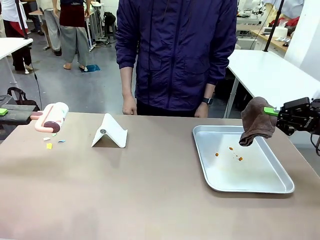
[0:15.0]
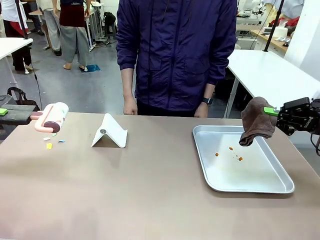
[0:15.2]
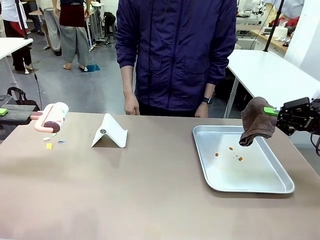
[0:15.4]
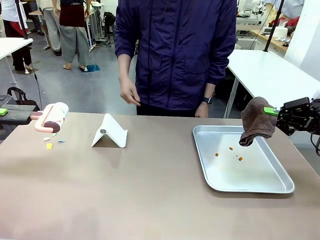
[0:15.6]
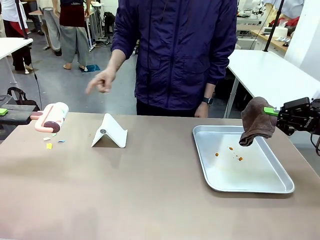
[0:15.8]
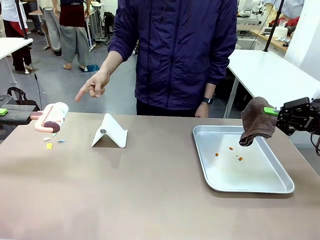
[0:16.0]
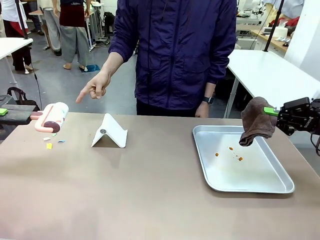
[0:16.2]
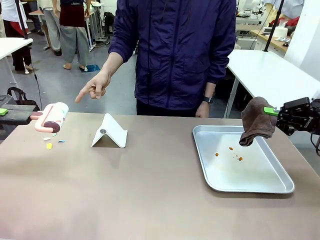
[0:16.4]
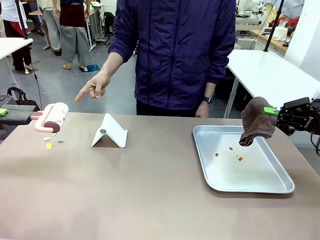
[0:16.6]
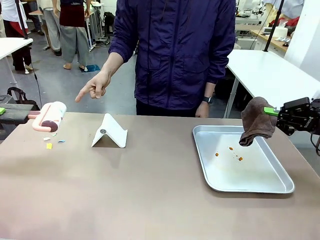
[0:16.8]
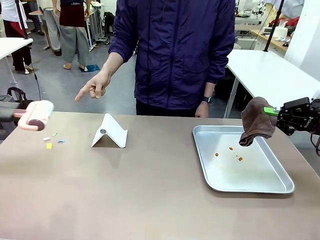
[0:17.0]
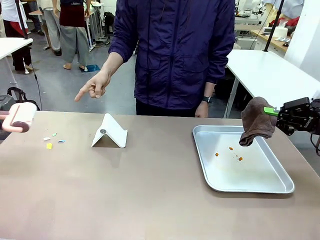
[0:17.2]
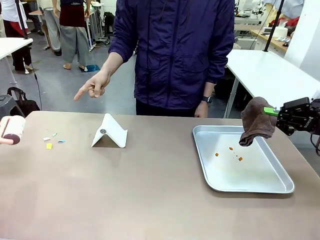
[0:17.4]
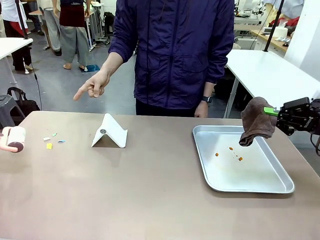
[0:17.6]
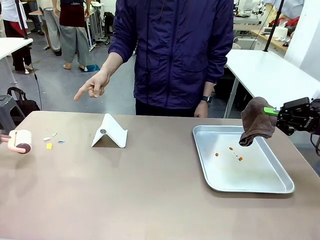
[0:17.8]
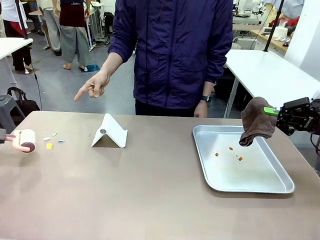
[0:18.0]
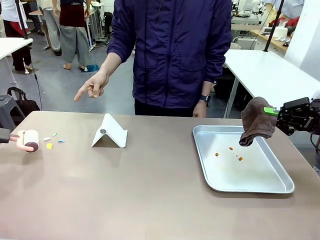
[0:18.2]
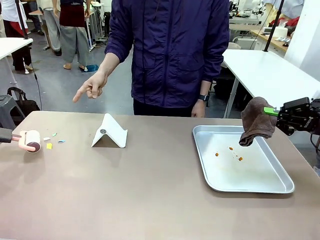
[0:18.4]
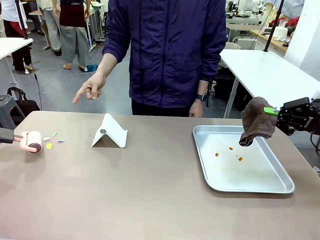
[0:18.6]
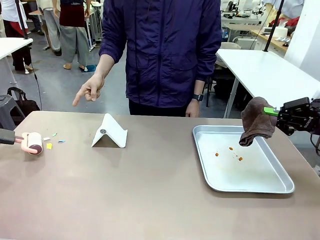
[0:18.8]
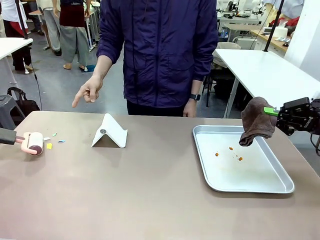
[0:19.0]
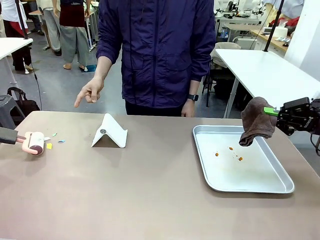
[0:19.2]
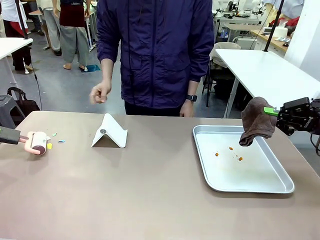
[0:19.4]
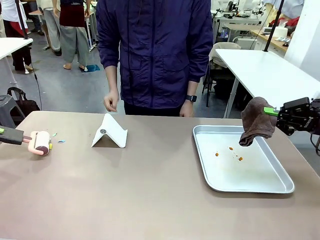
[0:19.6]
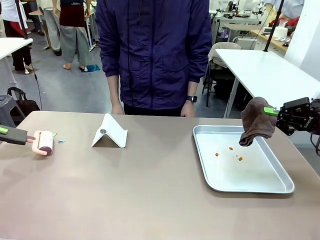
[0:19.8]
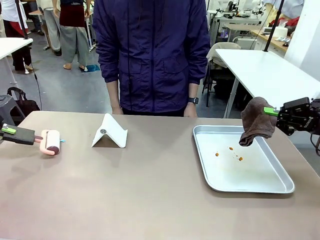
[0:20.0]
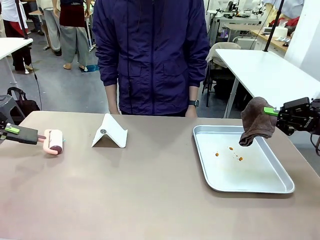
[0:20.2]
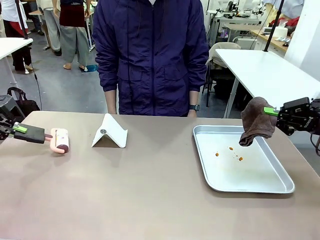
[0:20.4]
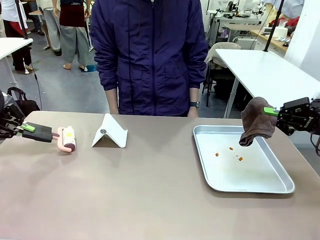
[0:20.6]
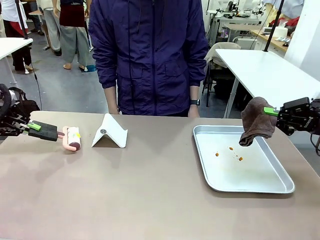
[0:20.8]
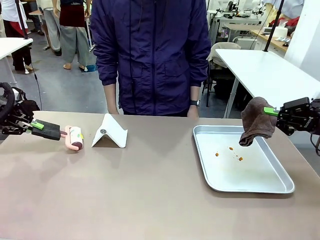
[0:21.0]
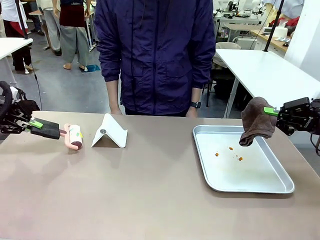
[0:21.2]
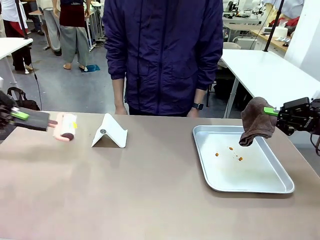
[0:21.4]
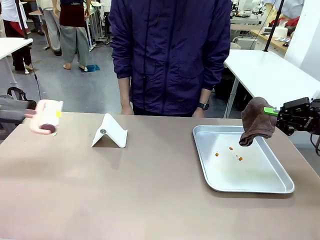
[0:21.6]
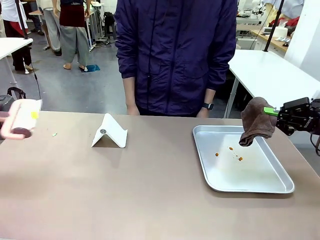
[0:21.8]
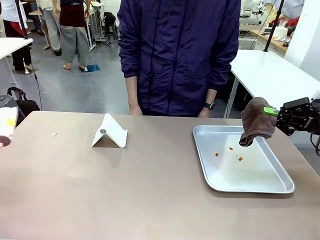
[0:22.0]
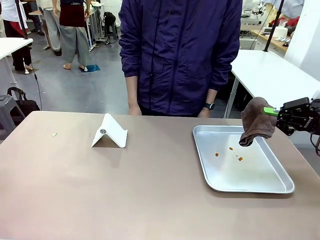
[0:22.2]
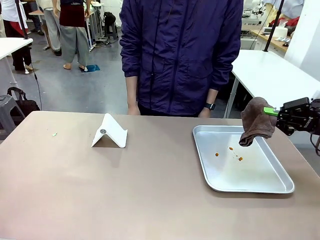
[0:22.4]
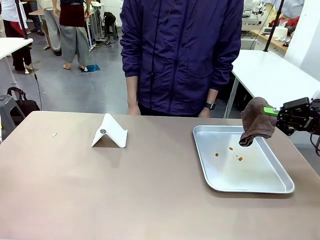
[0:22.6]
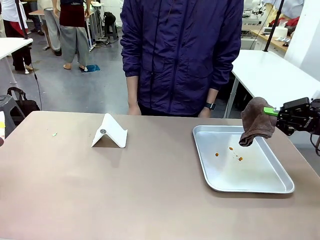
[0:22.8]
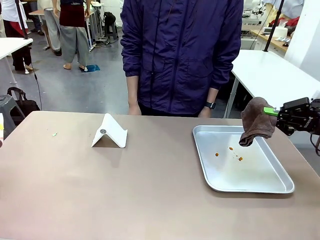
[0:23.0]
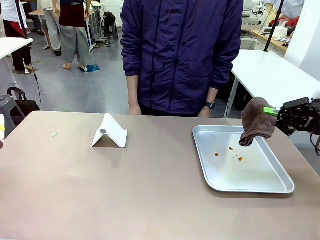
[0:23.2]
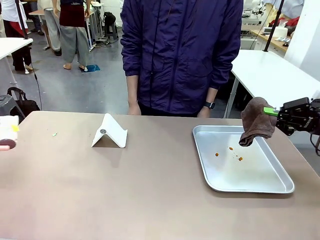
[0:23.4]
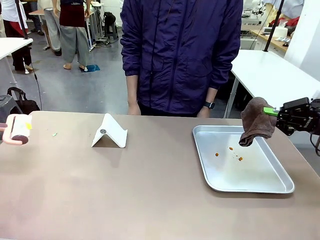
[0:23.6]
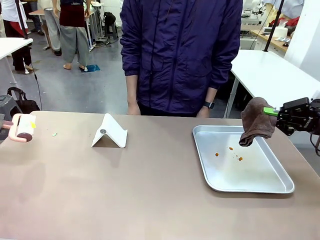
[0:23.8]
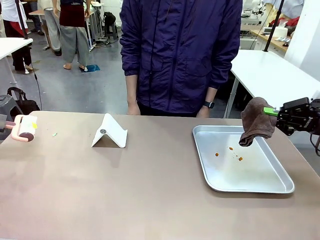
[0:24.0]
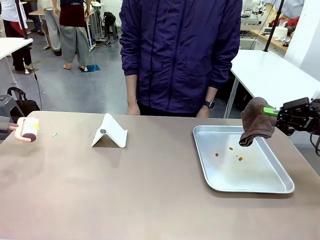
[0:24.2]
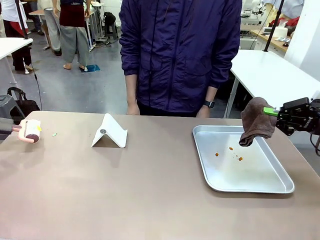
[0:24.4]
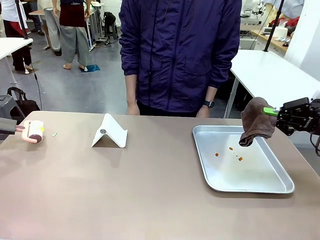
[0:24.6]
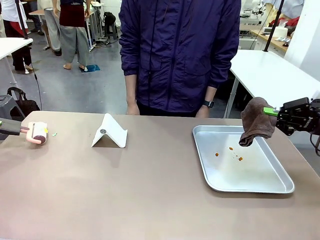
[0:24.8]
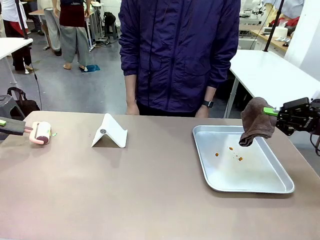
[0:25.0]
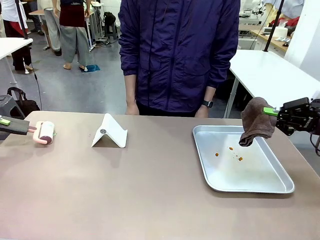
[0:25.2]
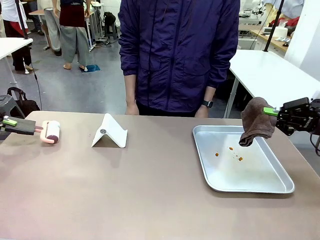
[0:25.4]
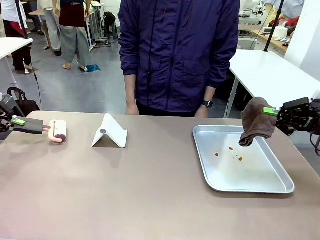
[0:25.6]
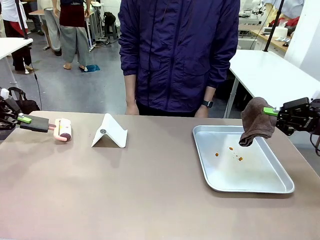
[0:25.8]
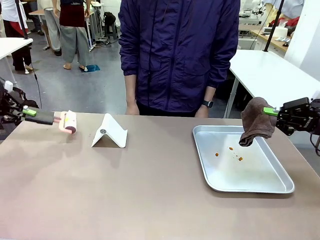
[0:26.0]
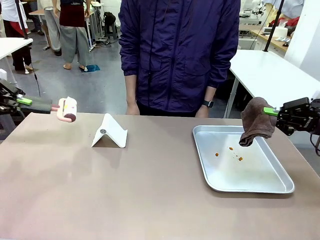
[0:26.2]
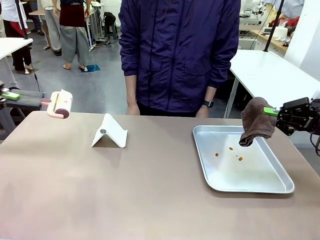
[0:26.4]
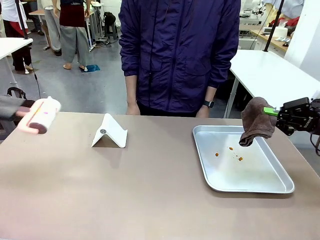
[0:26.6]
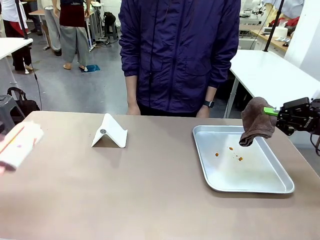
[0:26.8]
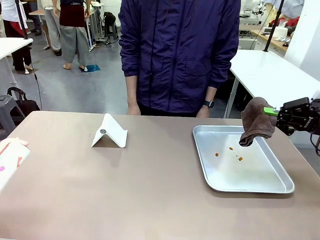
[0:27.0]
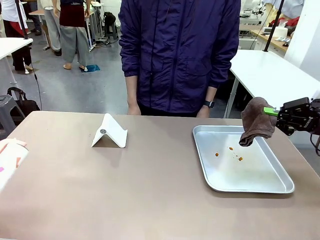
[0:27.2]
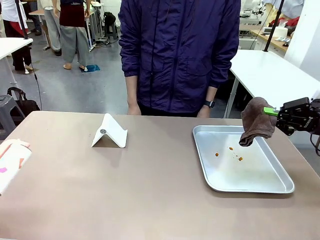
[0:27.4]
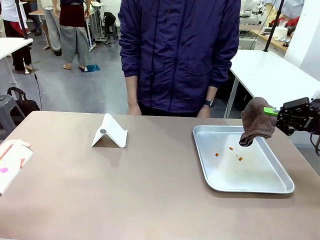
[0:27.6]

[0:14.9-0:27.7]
Task: Clean the surface of the table.
Robot: If a person points to the right, clean the right side of the table with your right hand, and if they point to the left, clean the left side with your left hand.

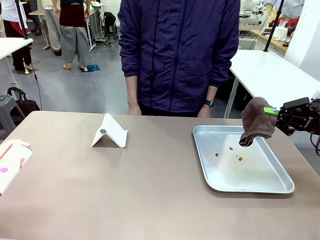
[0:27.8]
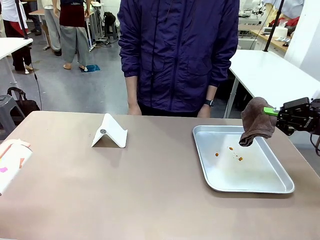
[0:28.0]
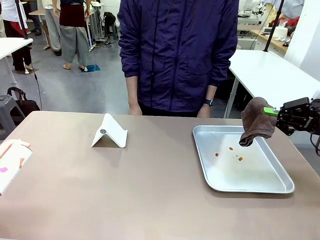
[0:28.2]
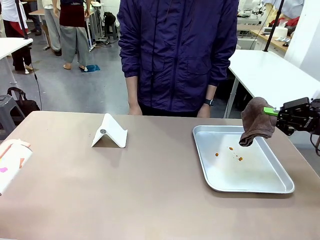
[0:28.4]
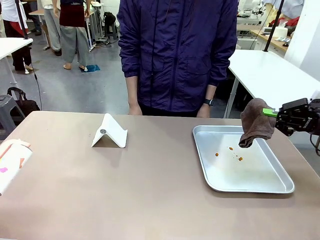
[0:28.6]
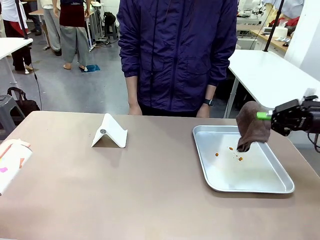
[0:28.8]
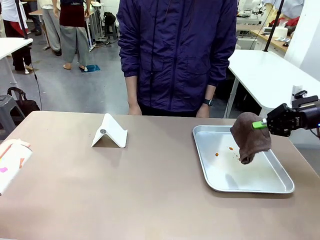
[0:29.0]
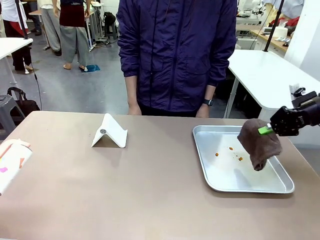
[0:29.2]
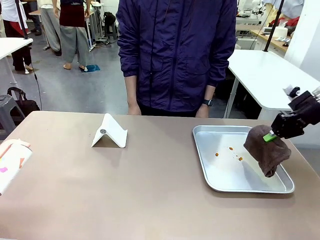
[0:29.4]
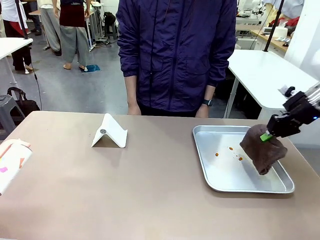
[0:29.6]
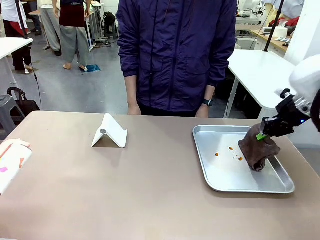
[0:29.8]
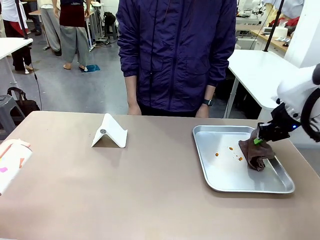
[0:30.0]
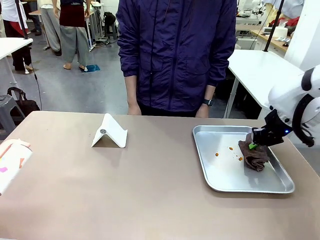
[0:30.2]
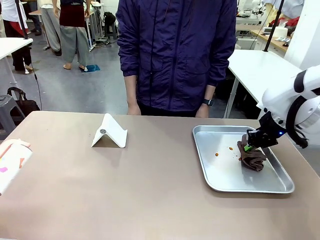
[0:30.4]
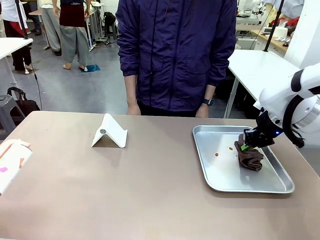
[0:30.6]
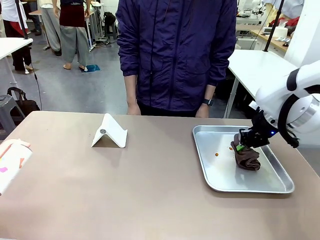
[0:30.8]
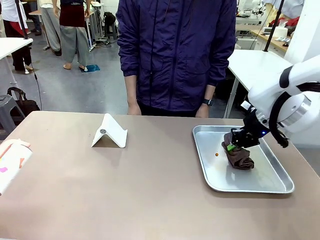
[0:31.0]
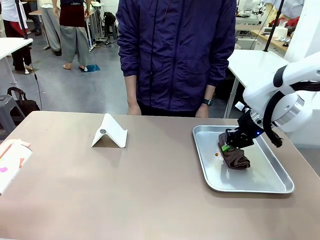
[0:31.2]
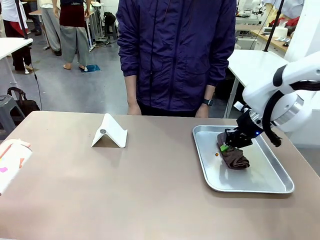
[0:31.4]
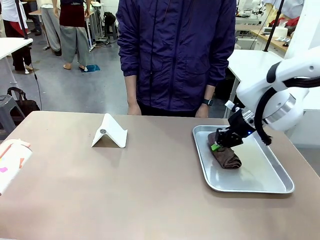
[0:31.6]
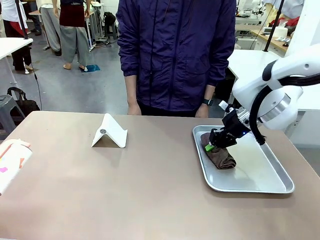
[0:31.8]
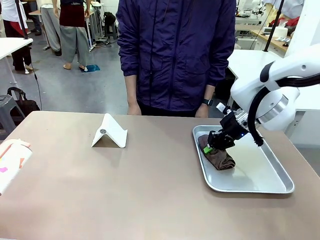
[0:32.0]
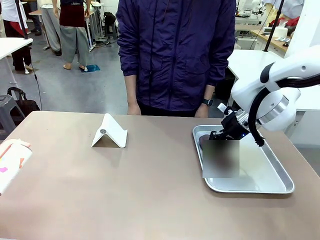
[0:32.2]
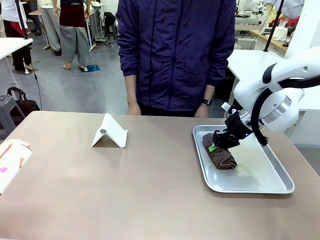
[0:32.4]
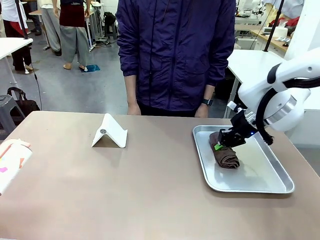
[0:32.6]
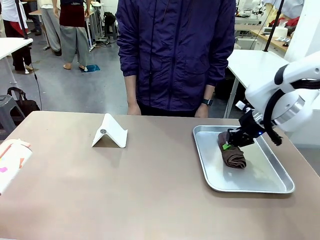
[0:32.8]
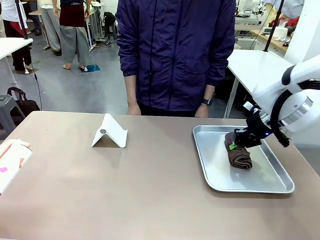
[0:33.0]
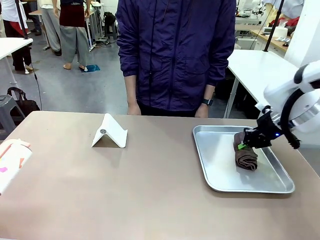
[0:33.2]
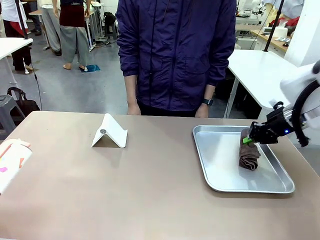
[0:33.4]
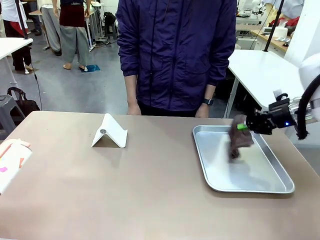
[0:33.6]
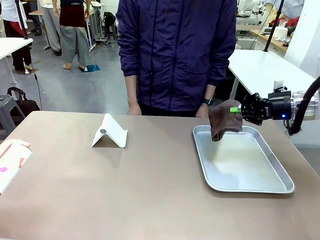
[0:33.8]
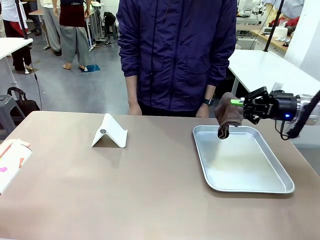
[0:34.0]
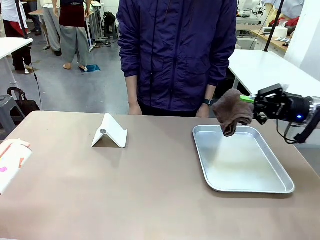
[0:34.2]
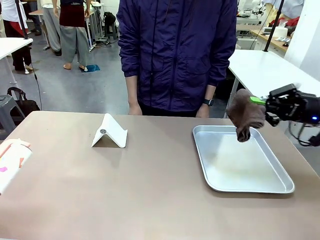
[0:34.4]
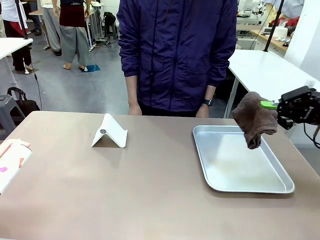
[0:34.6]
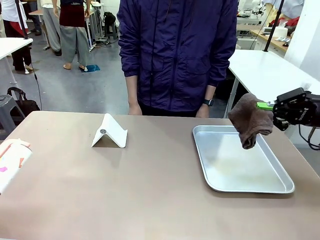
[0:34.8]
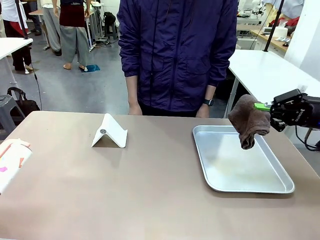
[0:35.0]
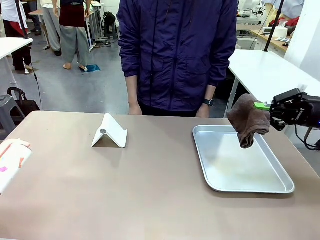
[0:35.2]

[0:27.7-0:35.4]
Robot: Clean the area not pointed to by the person.
